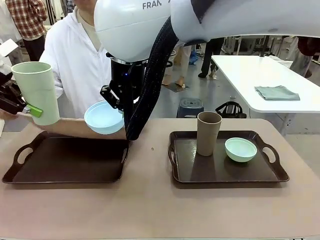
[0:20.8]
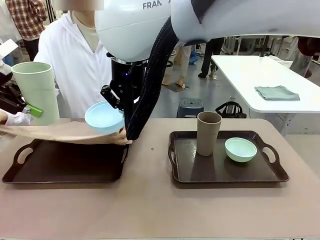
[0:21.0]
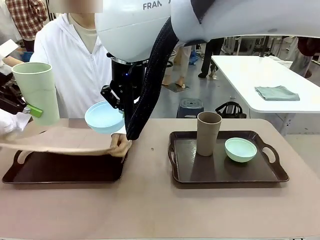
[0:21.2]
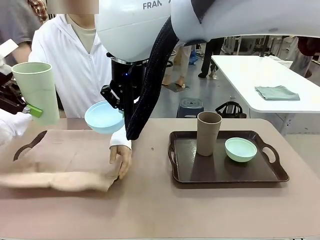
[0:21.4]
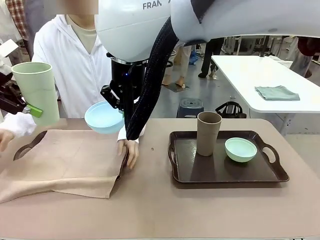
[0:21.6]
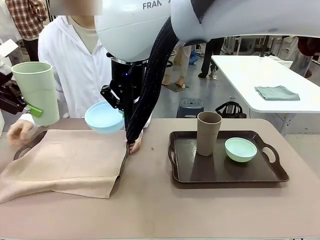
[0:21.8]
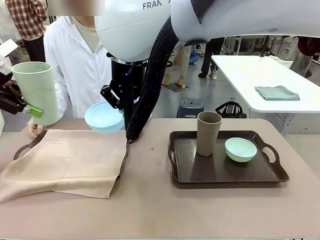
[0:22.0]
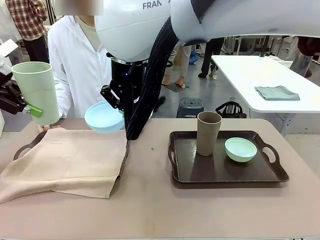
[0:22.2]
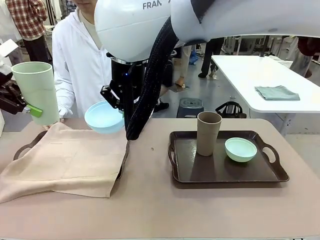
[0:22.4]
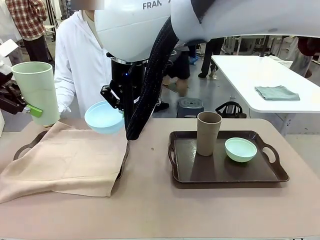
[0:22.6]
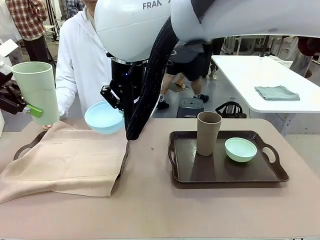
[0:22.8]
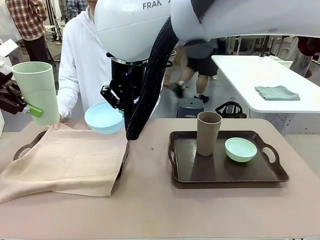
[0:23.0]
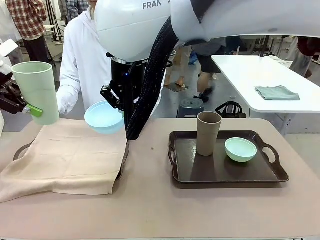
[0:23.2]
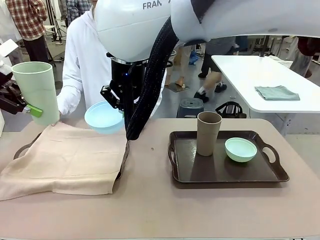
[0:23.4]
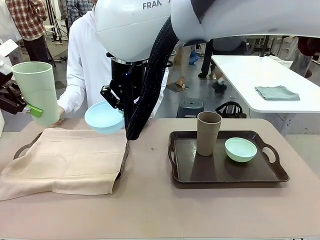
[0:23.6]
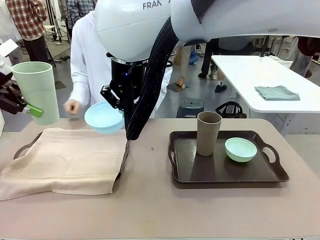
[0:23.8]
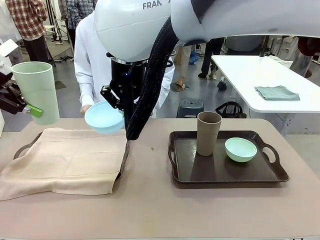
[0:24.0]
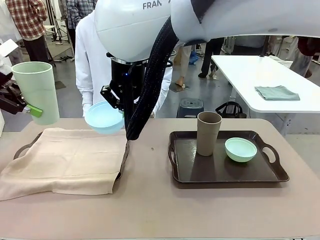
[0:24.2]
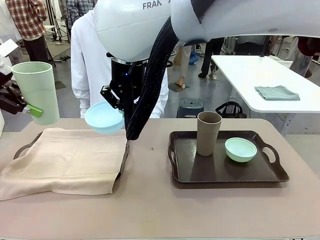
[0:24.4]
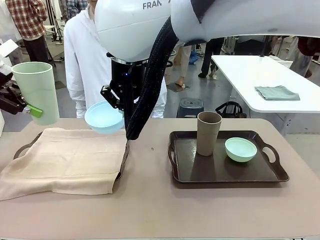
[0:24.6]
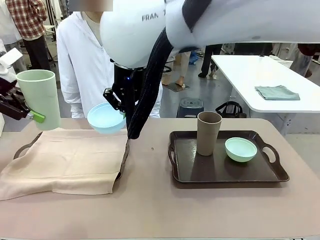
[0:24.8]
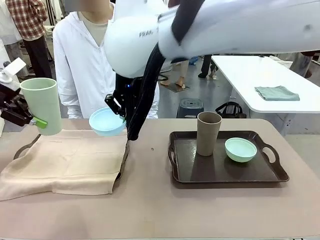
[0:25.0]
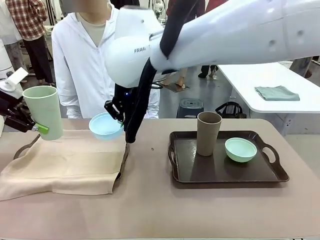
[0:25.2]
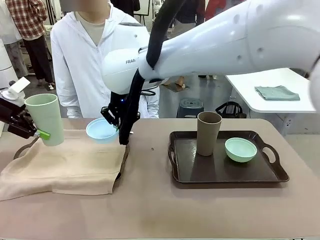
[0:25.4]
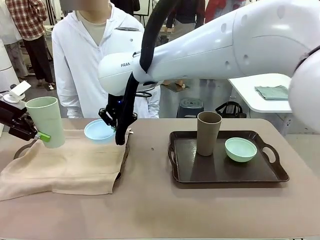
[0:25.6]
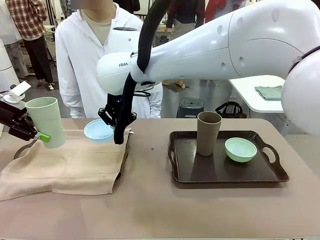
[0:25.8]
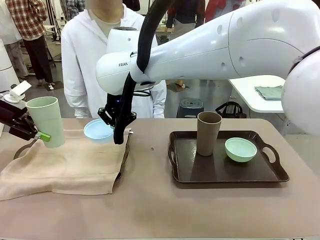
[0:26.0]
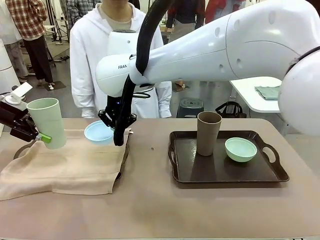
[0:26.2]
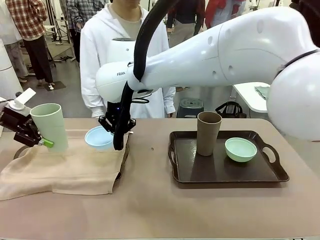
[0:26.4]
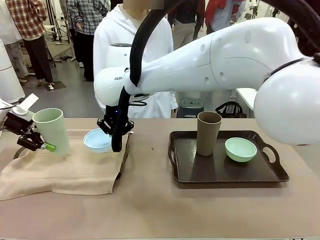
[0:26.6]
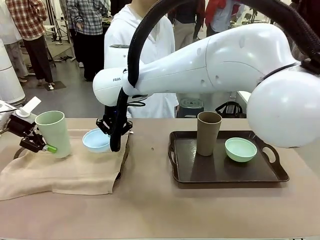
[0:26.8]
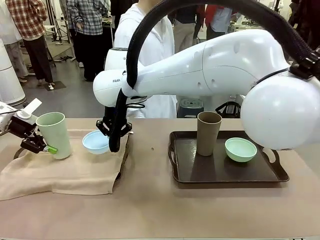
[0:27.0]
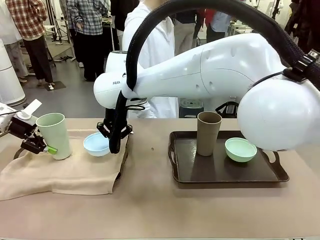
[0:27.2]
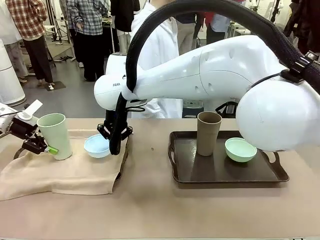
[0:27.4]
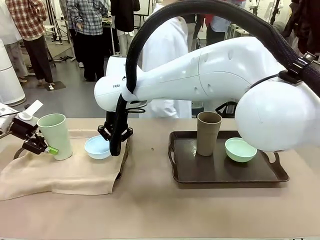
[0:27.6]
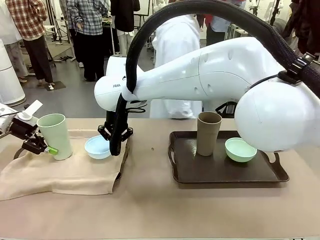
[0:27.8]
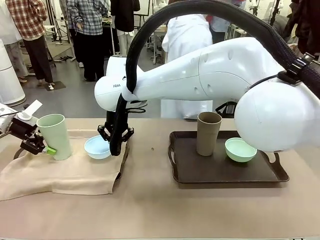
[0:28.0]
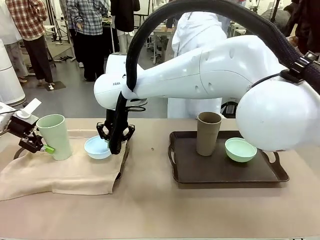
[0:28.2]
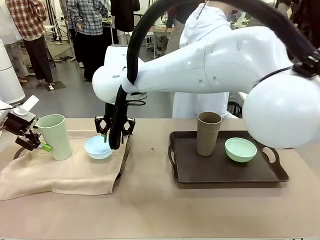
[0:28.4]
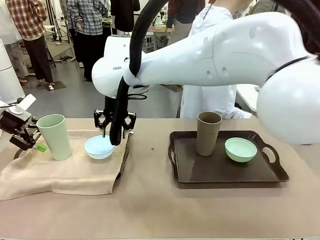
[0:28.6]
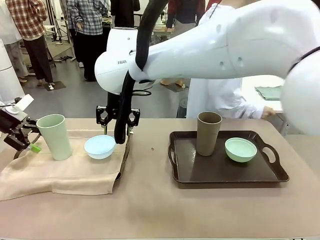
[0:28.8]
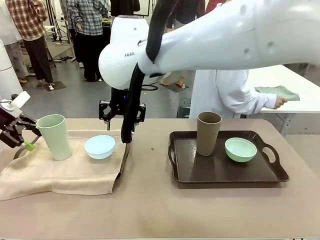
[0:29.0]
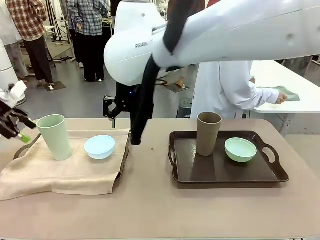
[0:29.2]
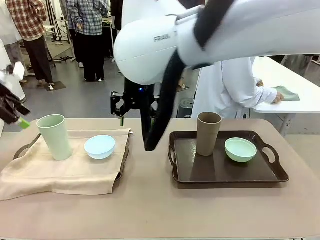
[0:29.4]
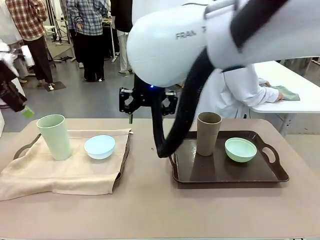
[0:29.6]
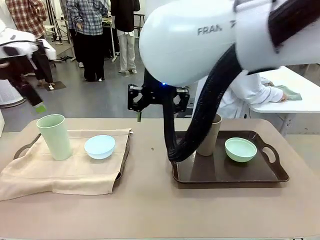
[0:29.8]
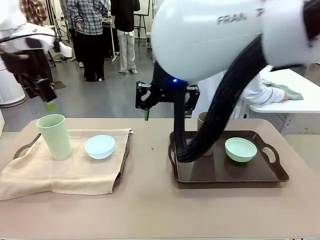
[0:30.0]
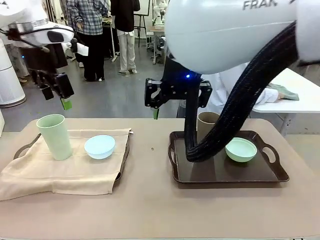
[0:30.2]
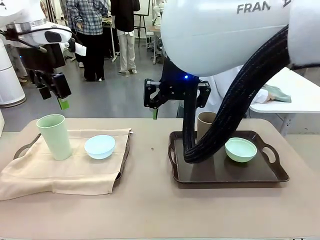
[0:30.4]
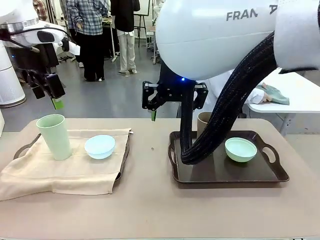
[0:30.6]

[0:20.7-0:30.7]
Robot: Place the Picnic Bowl and Reusable plastic cup back onto the Handle tray in front of the human's position.
Person: The human returns to the human table to pick up another napkin and walks to the robot table to stand in front of the tray without a napkin.

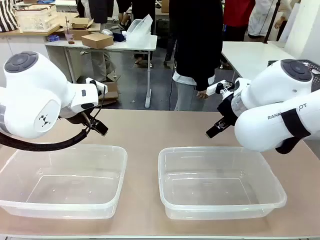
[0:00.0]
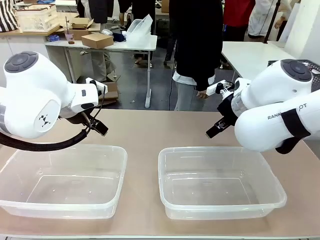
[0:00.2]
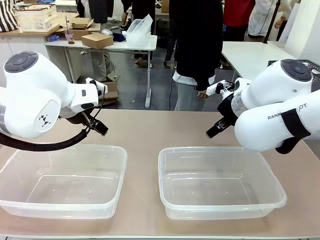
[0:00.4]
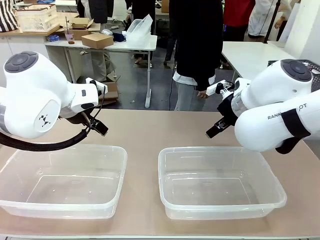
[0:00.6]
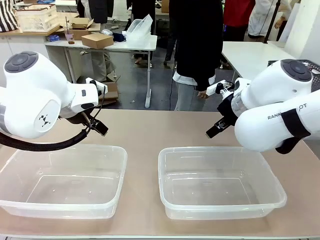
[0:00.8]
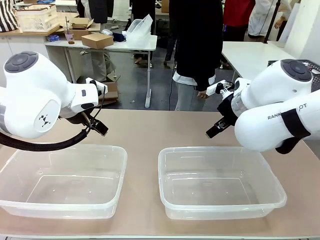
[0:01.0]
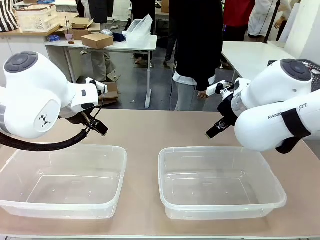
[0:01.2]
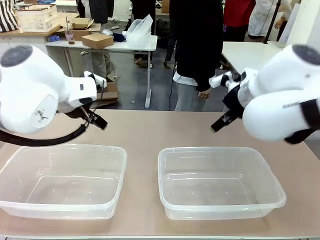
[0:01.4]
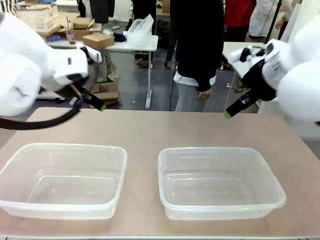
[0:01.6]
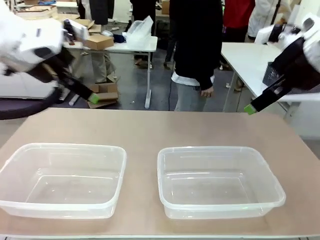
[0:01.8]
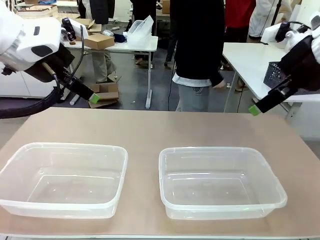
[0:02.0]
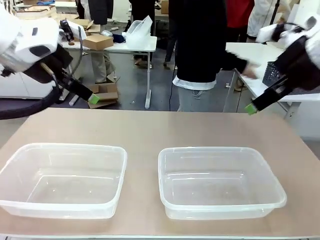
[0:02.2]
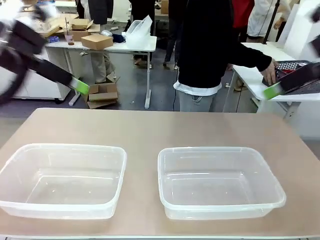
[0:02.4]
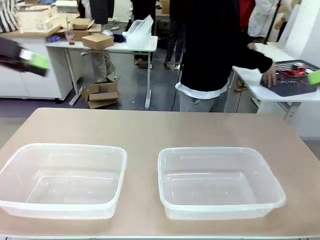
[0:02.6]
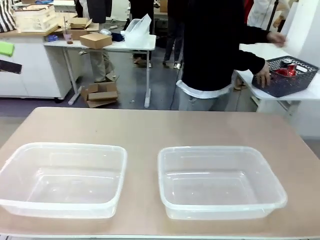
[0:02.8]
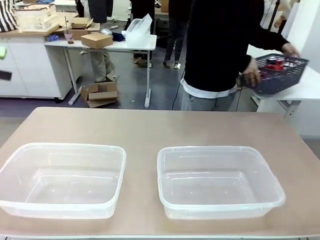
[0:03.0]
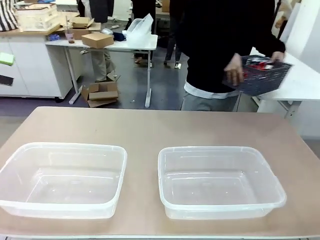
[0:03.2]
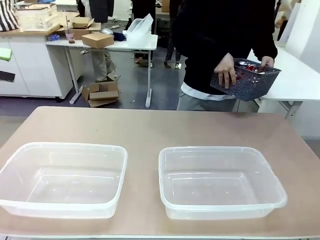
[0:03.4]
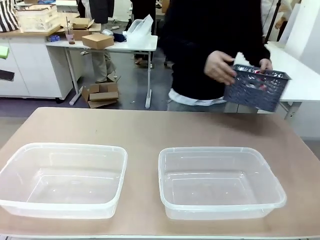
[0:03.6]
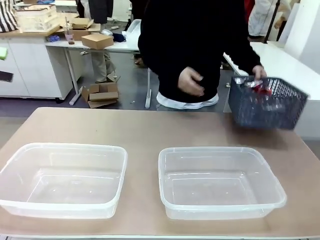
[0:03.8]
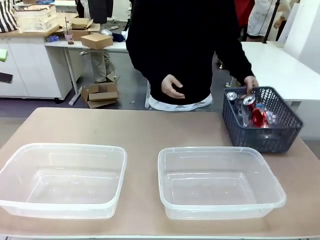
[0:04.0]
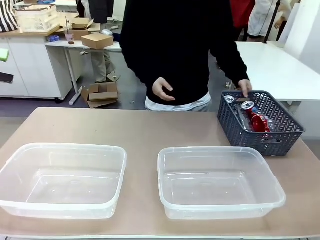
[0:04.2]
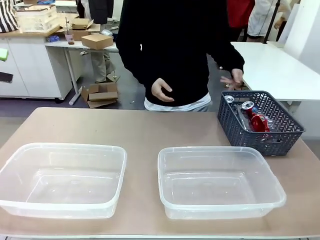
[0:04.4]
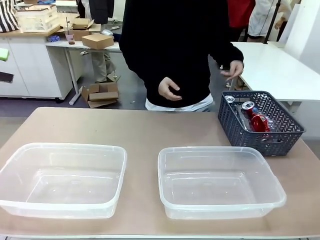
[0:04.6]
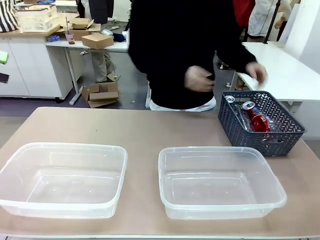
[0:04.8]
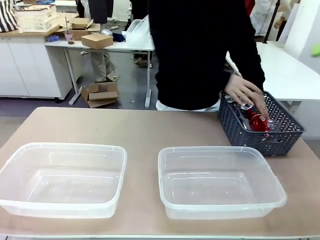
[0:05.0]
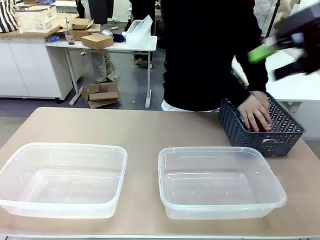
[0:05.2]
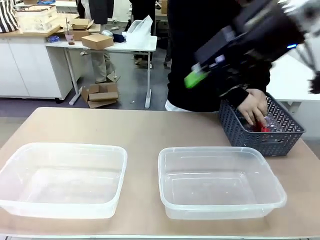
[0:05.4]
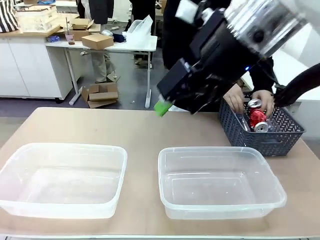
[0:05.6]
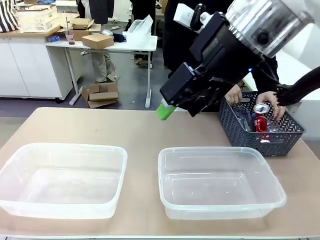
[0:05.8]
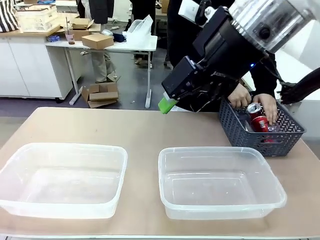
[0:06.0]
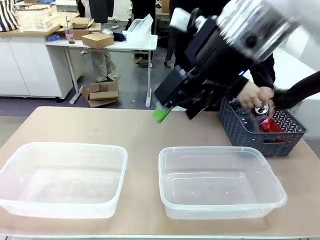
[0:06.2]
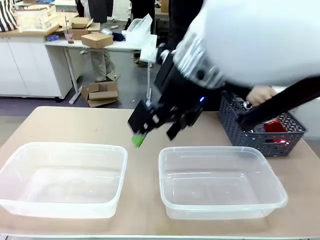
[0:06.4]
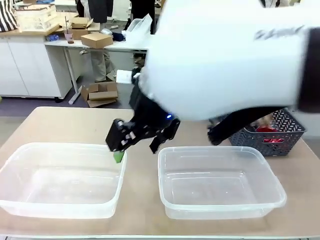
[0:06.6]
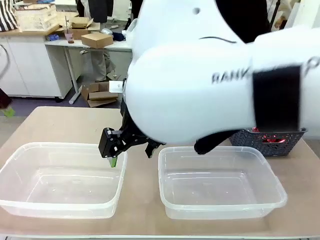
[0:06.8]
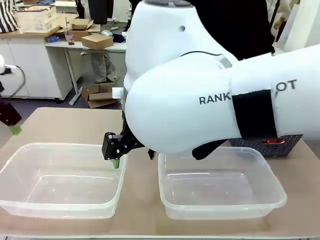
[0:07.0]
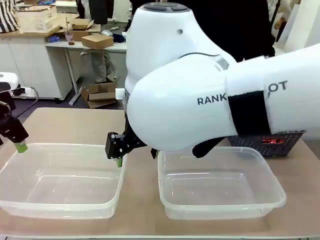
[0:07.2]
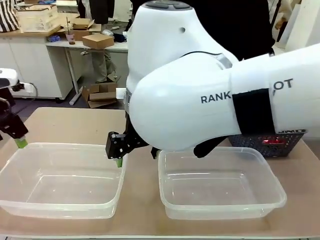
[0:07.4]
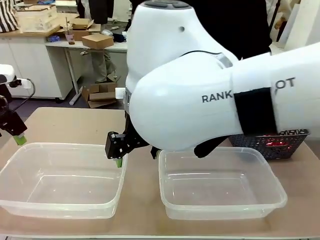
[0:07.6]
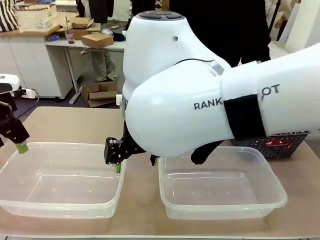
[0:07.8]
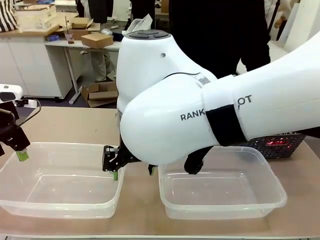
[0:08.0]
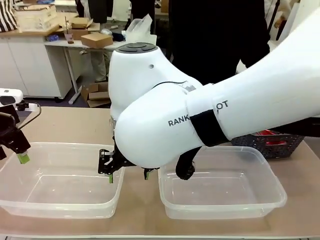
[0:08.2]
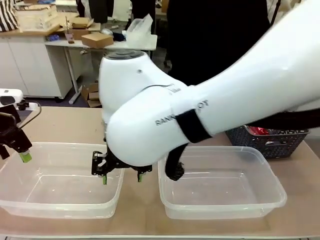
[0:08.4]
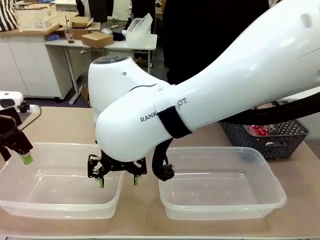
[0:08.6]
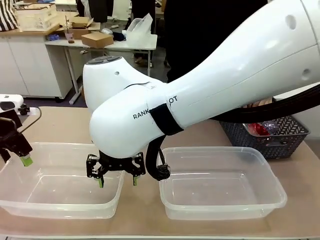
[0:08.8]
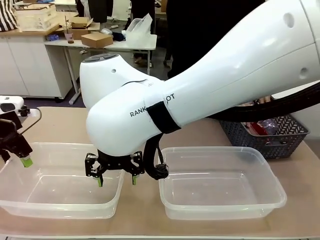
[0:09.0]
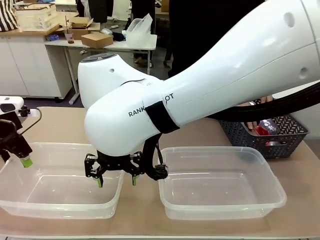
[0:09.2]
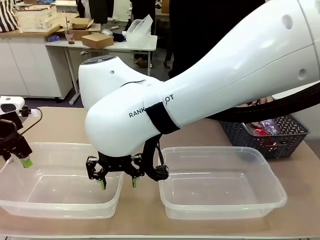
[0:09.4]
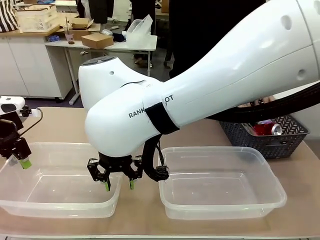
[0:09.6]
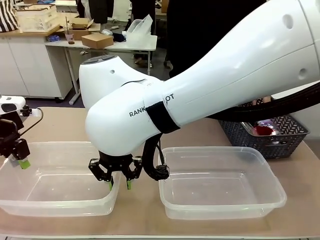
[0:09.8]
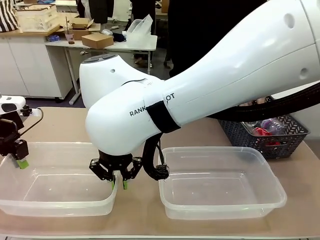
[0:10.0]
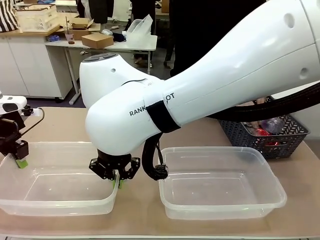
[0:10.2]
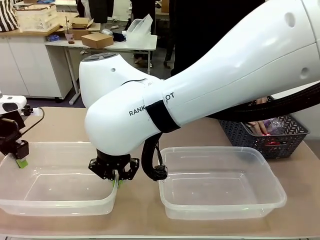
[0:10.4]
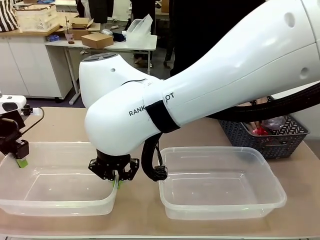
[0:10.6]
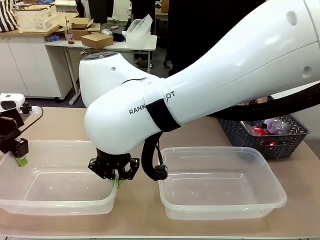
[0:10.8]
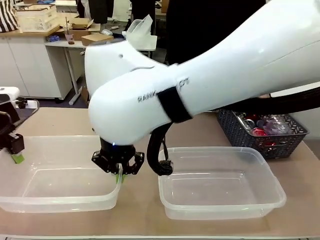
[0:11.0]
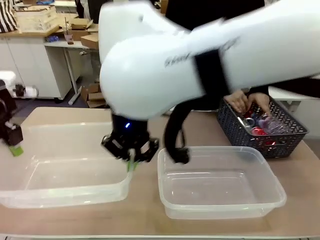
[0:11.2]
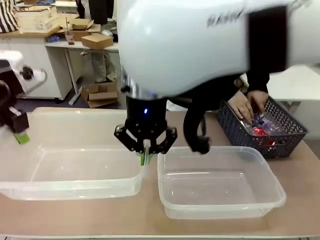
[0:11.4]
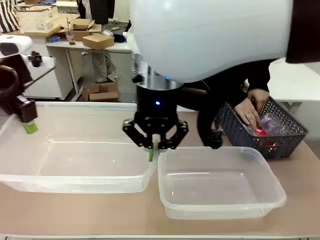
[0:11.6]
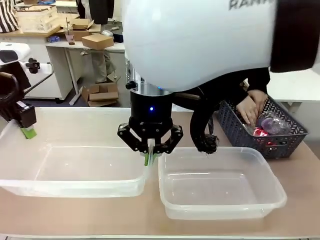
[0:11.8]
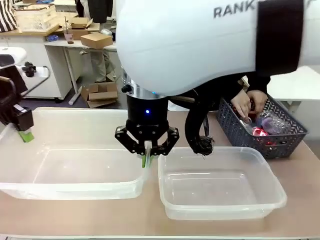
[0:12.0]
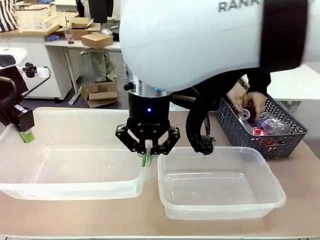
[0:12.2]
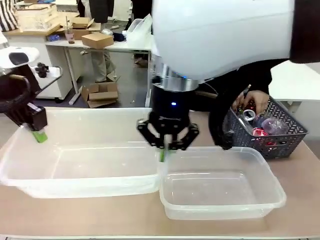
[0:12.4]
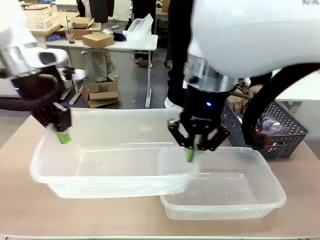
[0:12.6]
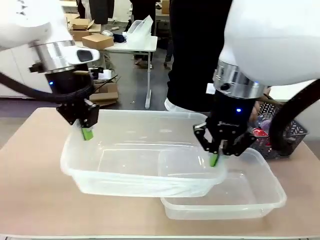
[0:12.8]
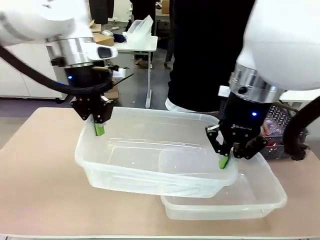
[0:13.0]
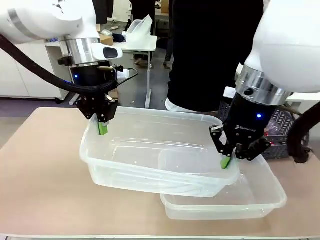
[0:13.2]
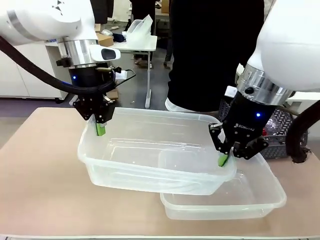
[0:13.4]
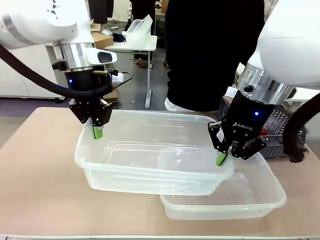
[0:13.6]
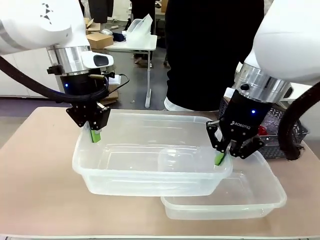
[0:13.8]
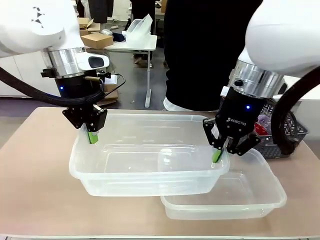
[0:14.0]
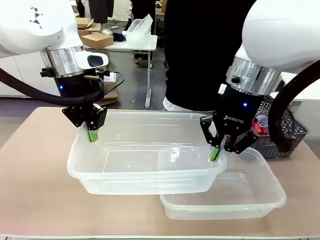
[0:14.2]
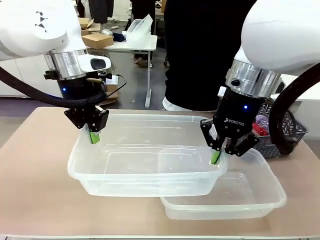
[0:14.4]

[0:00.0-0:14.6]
Robot: Pick up the Organizing box on the left side of the table and lift it.
Person: Pick up the storage basket and place it on the left side of the robot table. Pick up can-shaped waste one by one and place it into the organizing box lifted by the robot.
